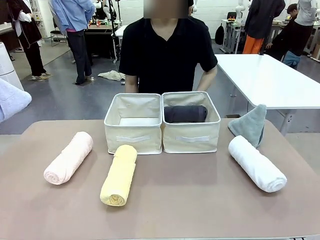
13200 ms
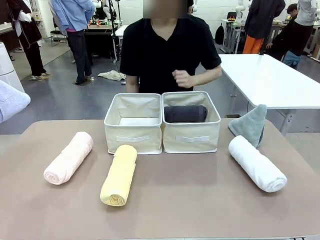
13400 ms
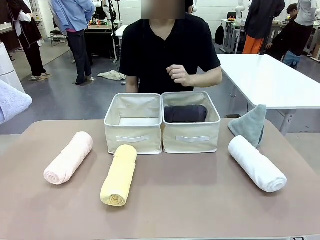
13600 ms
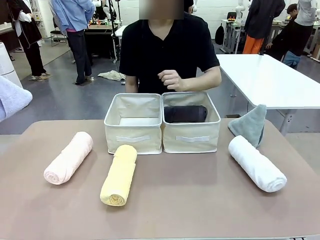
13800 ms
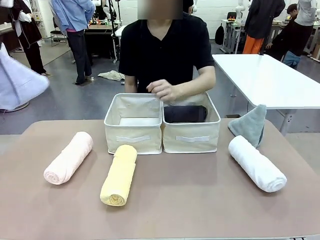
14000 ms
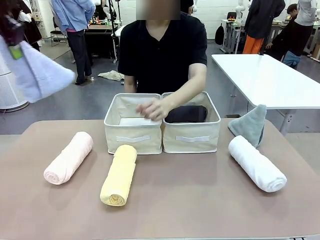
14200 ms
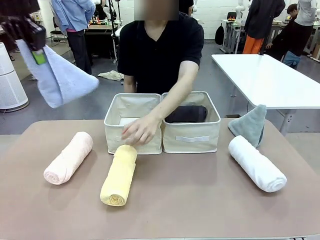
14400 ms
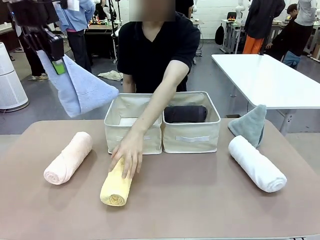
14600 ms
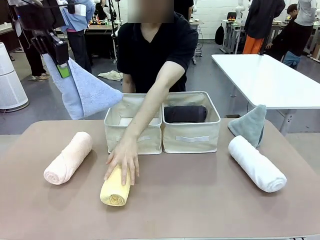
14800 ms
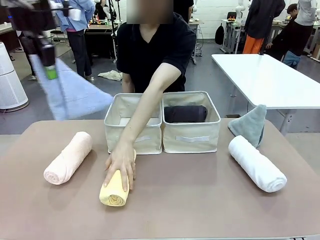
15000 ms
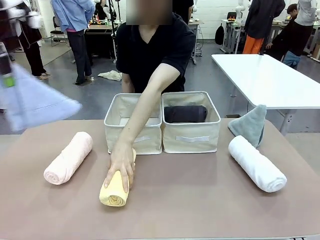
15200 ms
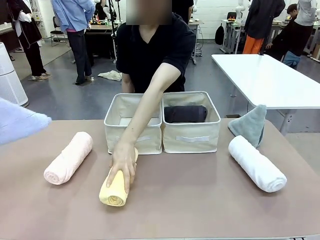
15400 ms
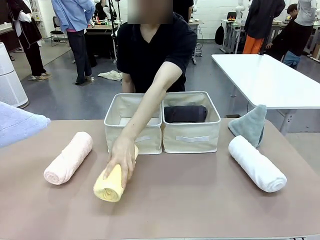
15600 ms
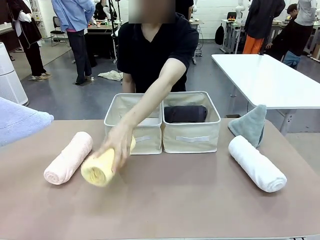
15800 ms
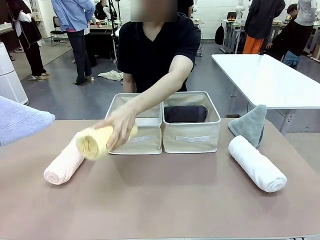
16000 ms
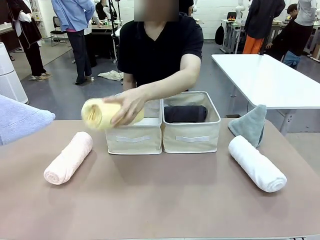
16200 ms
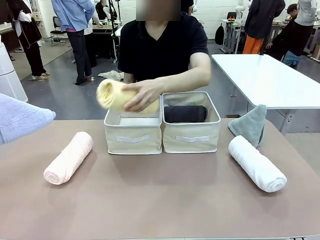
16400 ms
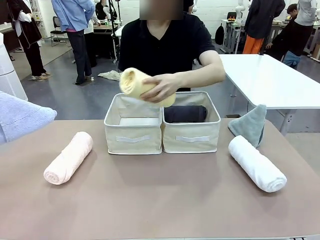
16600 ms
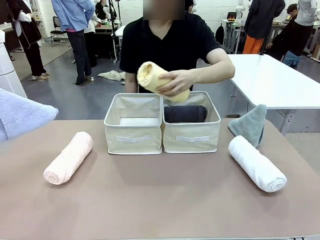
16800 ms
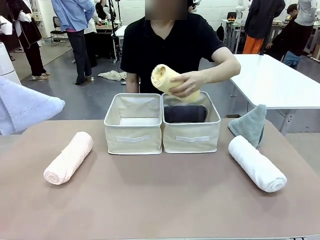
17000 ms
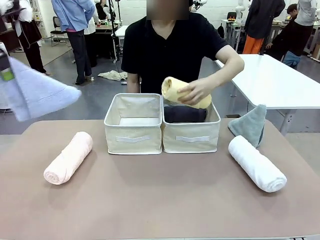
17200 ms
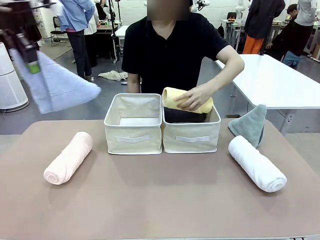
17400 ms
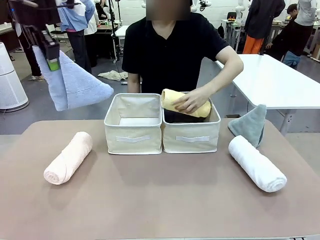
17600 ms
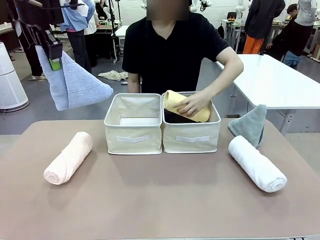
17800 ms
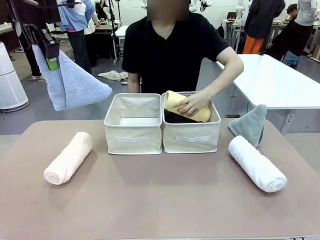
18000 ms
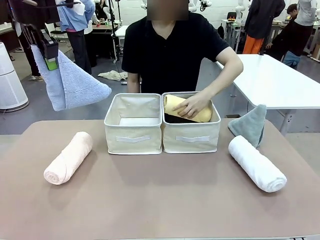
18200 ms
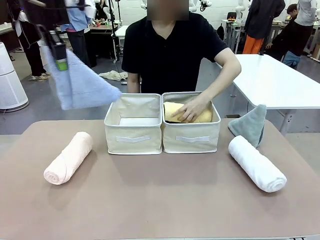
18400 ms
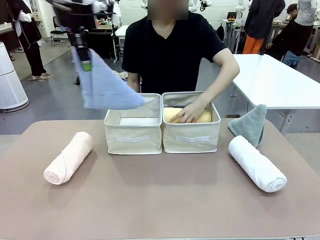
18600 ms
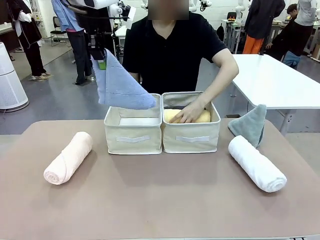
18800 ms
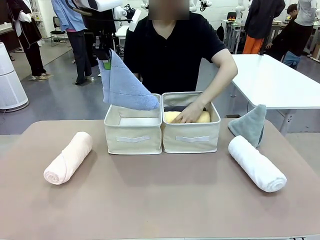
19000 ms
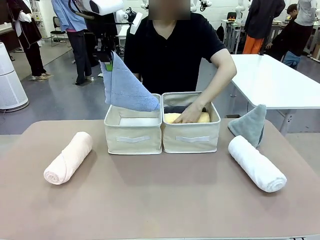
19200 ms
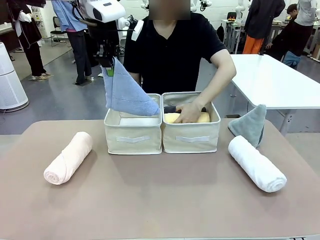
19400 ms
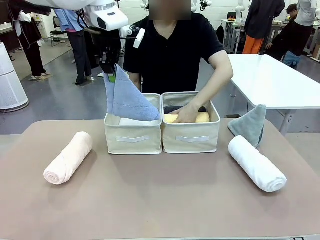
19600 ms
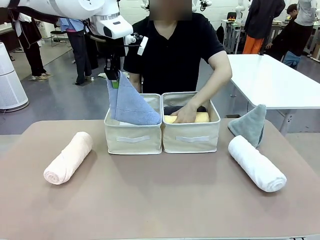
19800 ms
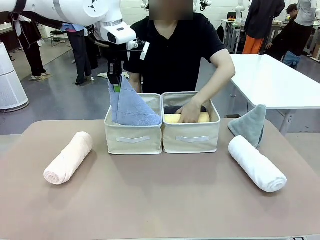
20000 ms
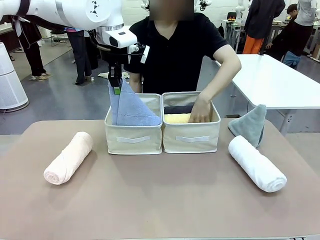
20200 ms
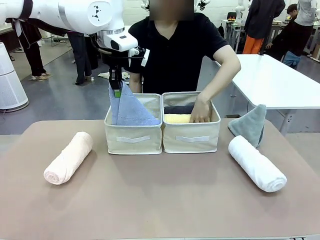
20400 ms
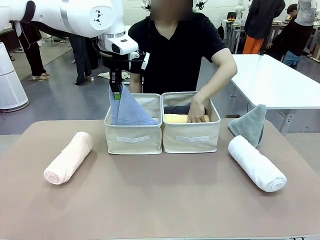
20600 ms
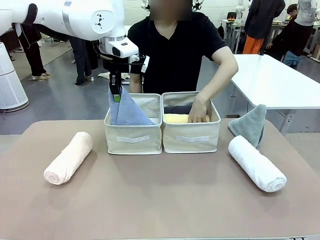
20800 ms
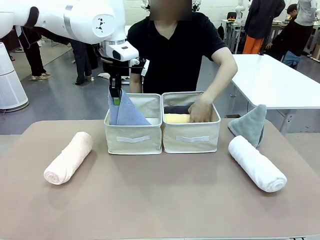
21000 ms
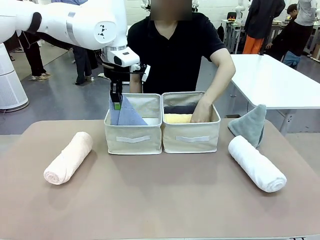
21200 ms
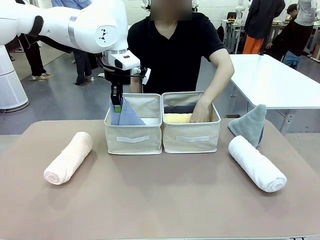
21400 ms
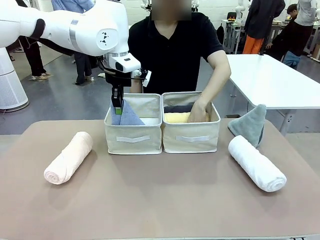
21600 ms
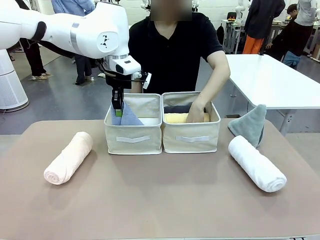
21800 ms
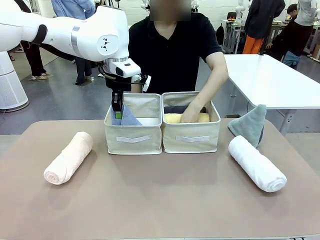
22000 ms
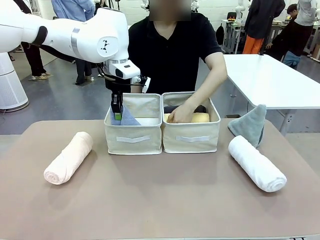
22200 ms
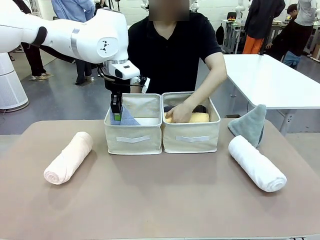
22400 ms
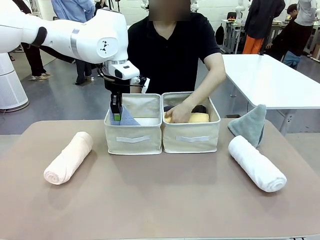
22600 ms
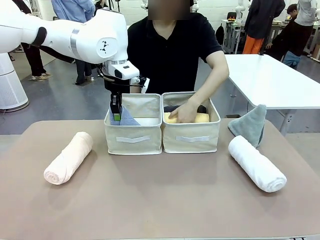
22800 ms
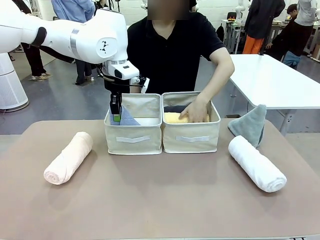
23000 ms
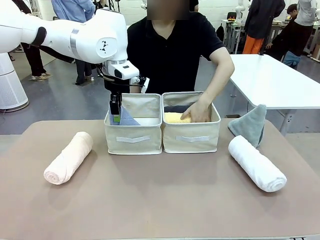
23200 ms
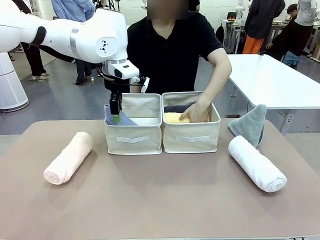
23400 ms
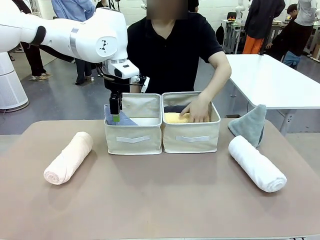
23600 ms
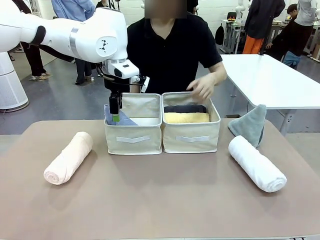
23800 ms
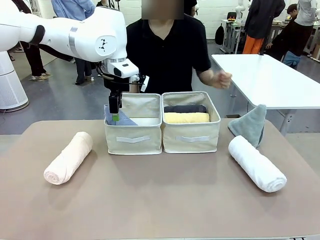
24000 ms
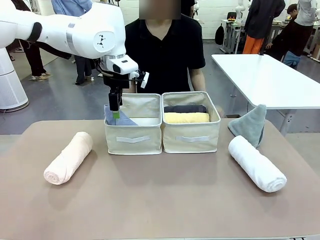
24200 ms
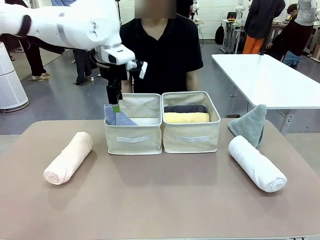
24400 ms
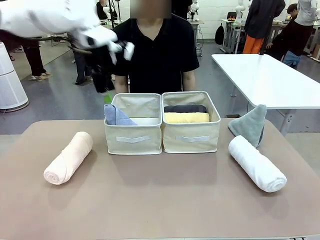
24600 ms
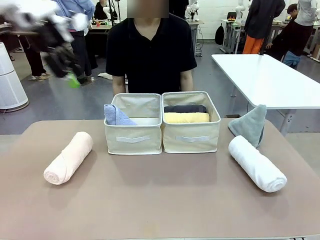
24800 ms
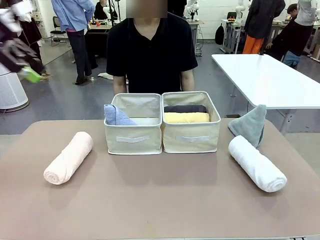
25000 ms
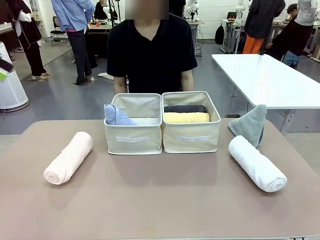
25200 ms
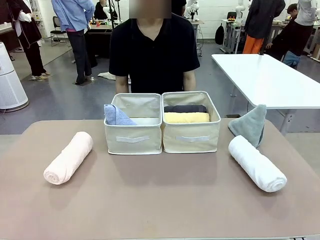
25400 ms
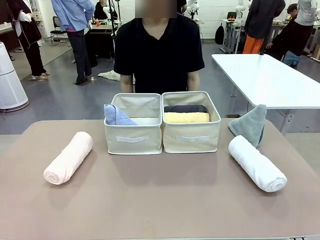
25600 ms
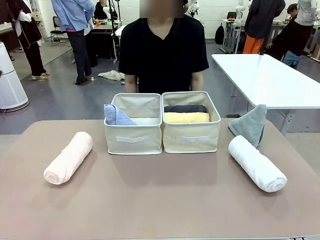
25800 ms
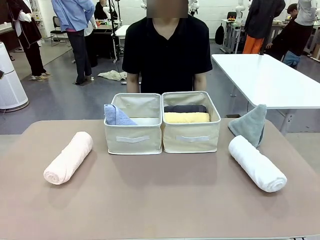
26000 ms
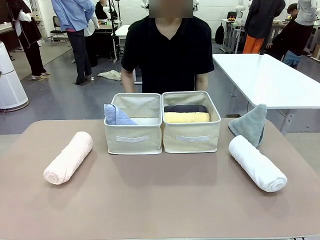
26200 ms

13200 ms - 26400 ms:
Task: Sort the towels based on their folding style.
Robot: Pick up one triangle-folded towel and place it in the left Fabric basket.

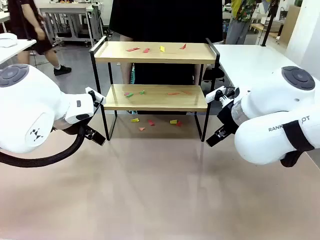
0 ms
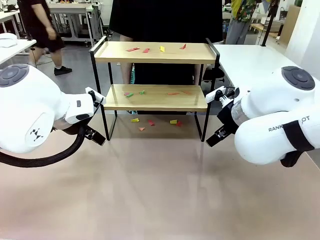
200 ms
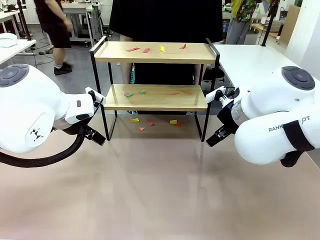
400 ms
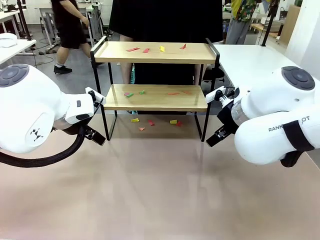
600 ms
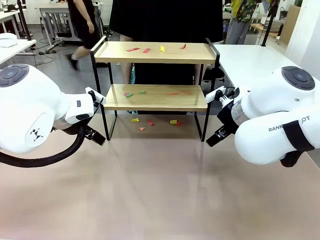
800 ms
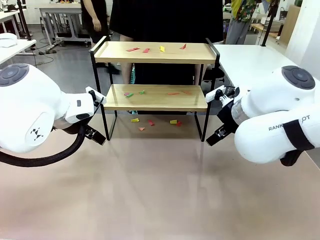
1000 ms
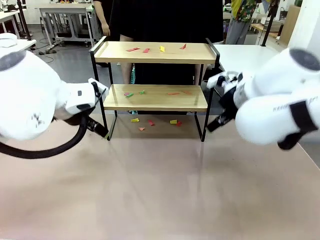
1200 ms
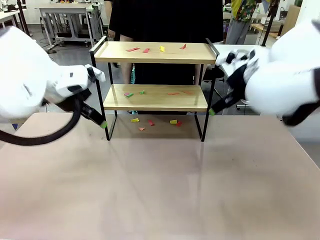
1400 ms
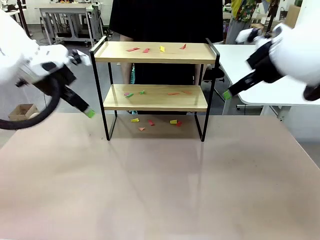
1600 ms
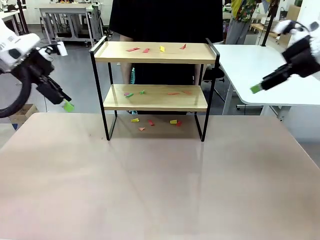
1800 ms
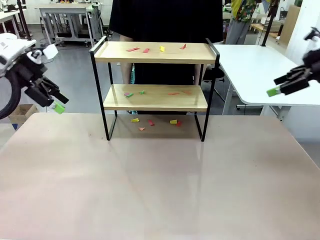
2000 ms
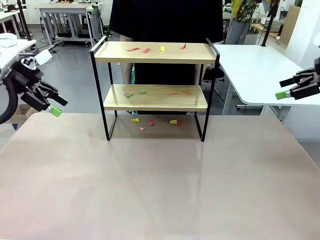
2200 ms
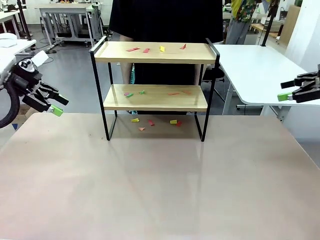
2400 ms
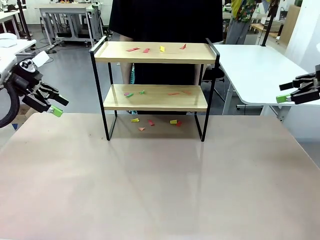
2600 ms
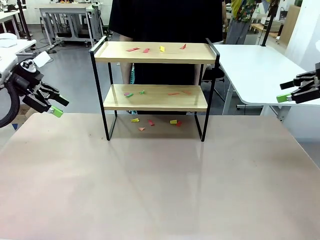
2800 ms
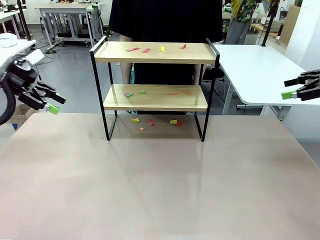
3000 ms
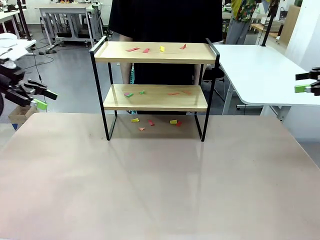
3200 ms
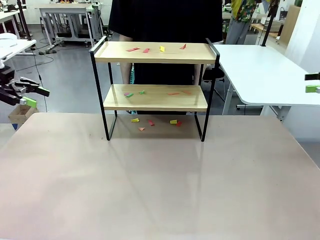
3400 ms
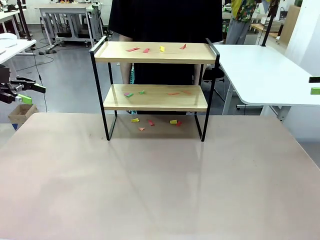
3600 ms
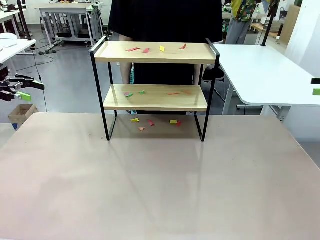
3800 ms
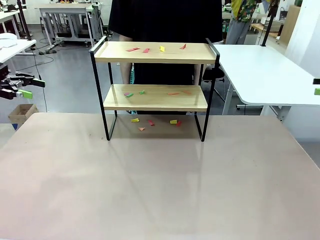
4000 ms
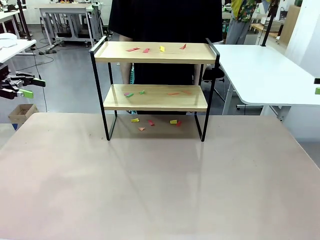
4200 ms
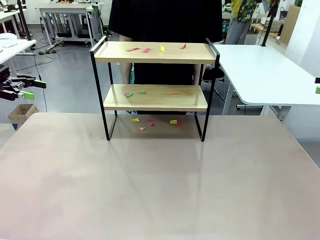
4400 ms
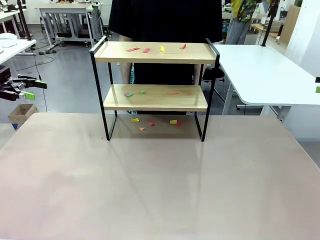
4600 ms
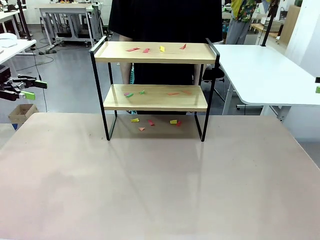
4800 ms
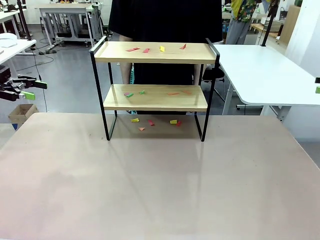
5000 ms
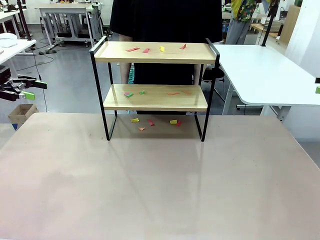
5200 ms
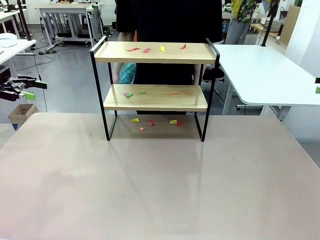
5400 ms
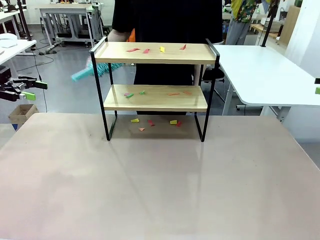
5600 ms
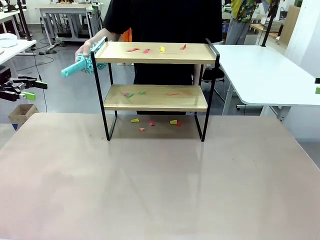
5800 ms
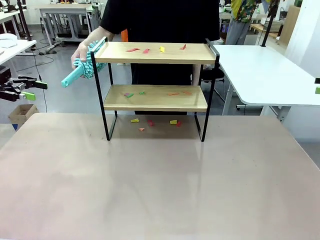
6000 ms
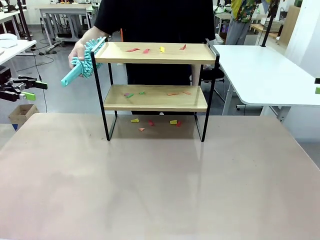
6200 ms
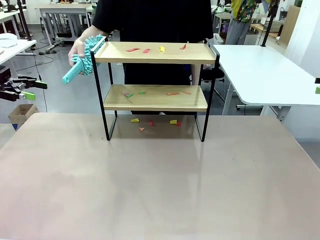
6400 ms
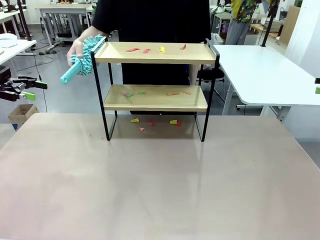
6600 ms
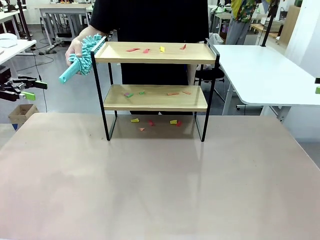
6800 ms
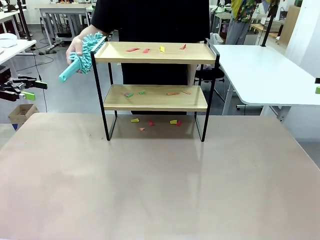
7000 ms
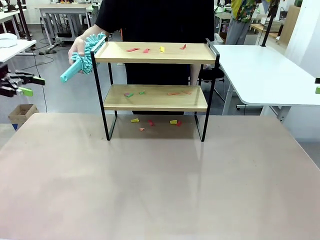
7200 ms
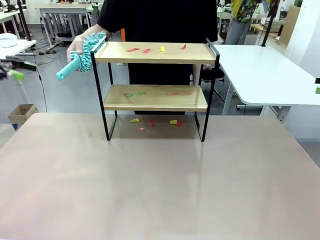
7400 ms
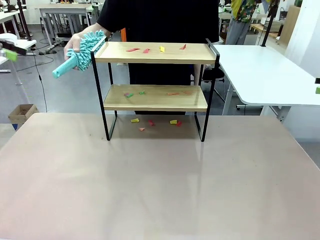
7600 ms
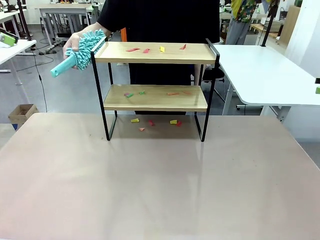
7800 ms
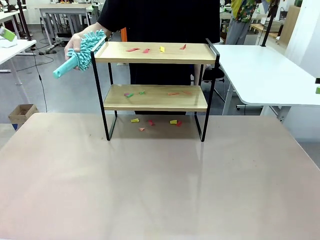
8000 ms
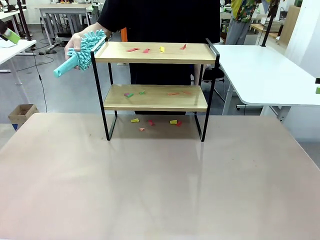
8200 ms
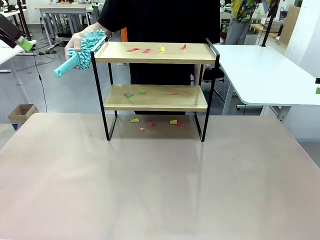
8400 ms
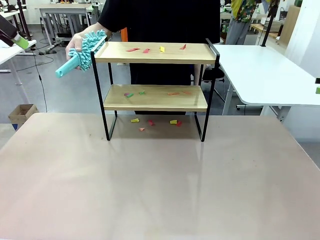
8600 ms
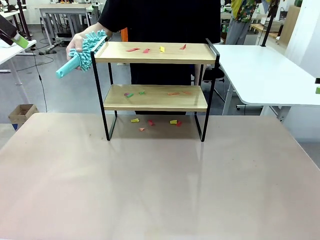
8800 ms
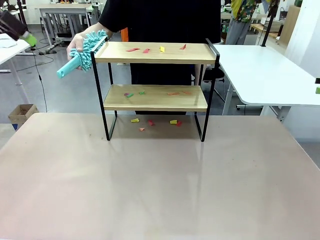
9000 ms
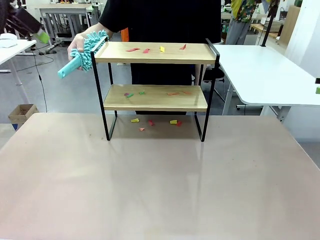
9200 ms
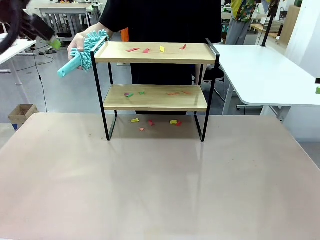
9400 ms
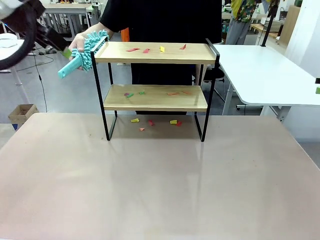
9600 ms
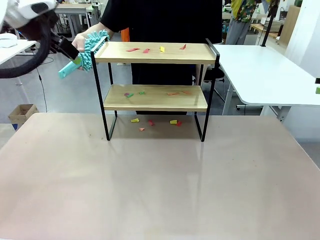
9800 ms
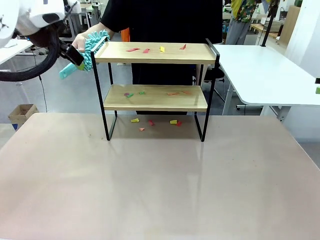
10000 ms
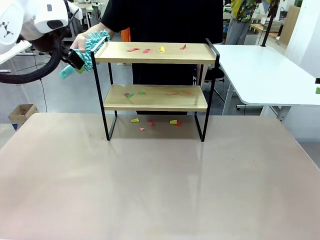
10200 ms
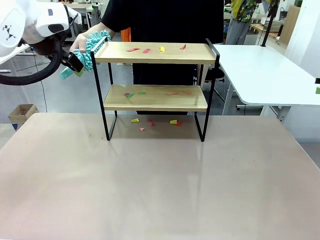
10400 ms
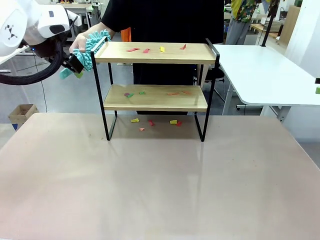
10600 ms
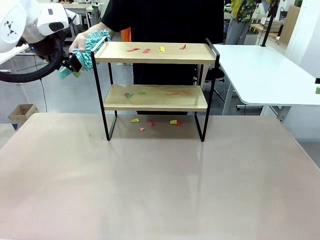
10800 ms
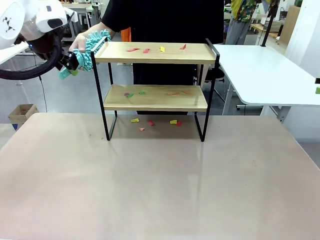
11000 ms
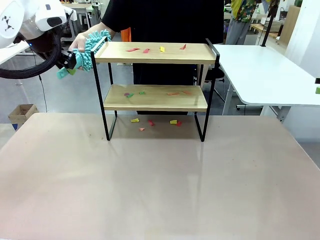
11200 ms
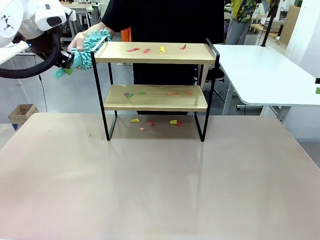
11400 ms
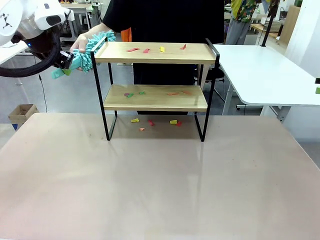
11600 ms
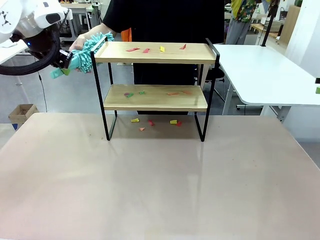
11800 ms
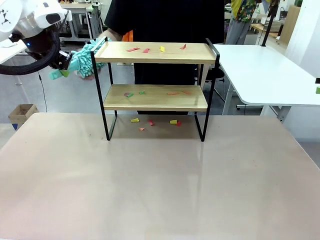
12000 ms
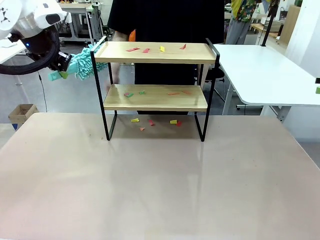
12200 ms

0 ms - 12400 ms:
Task: Clean the shelf.
Robot: Pick up the Duster handed by the human.
Person: Hand the Duster to the robot.
